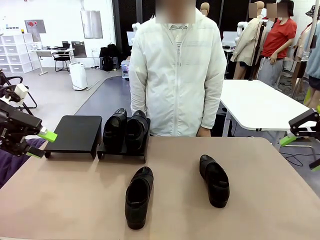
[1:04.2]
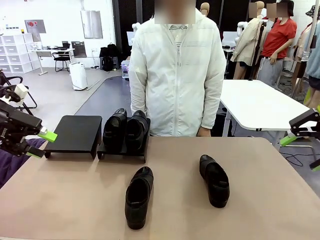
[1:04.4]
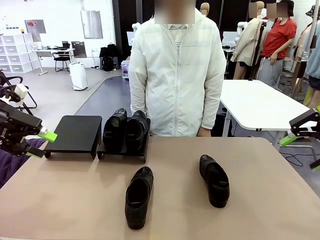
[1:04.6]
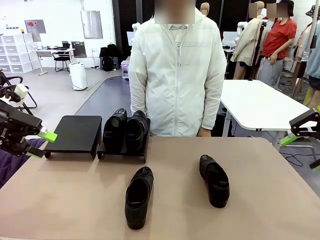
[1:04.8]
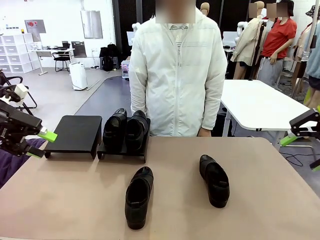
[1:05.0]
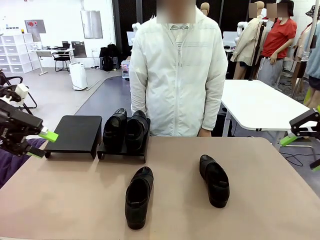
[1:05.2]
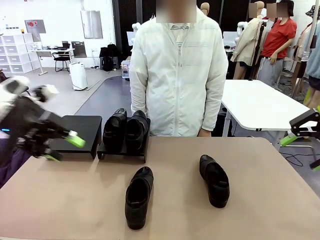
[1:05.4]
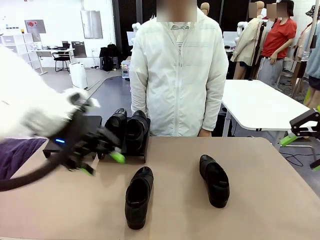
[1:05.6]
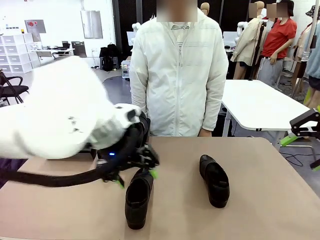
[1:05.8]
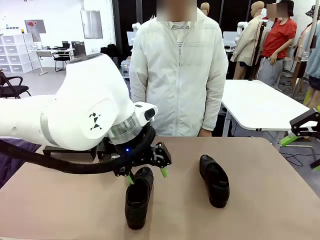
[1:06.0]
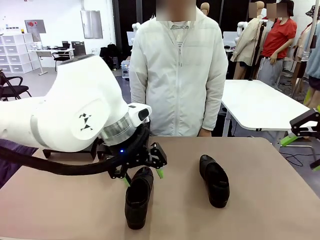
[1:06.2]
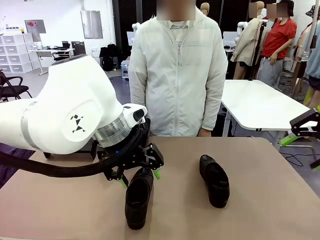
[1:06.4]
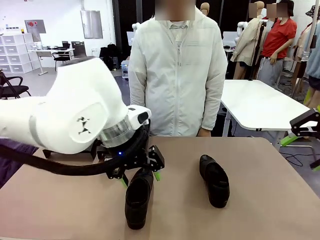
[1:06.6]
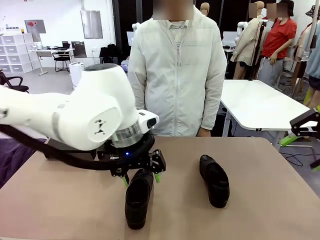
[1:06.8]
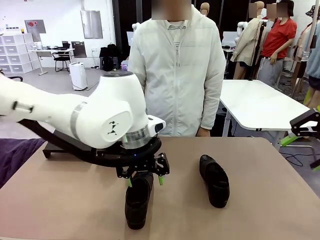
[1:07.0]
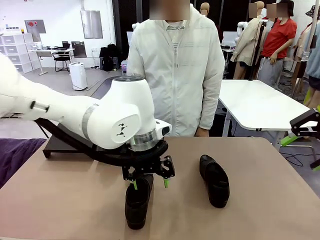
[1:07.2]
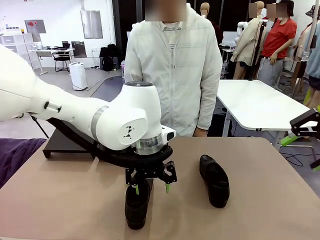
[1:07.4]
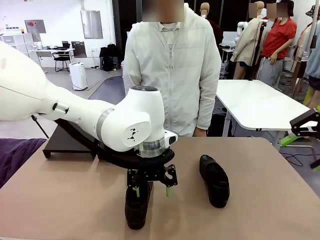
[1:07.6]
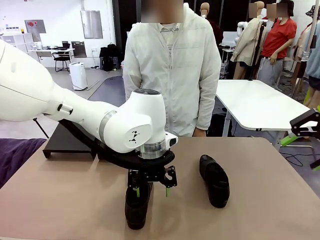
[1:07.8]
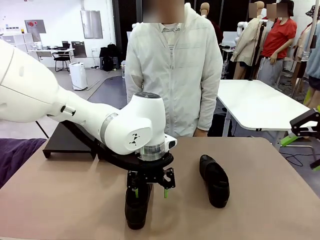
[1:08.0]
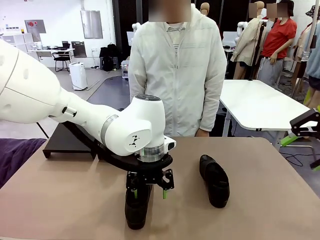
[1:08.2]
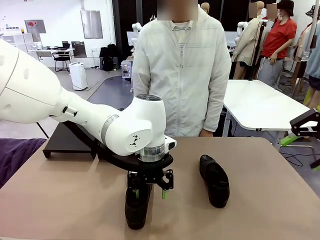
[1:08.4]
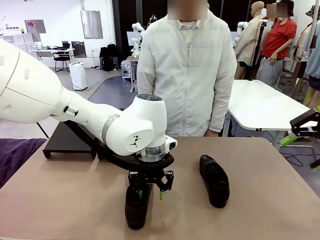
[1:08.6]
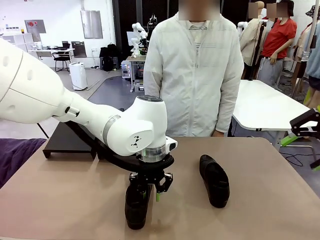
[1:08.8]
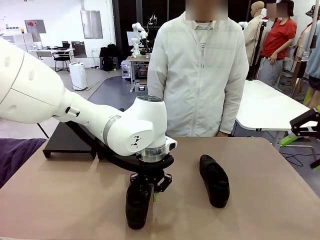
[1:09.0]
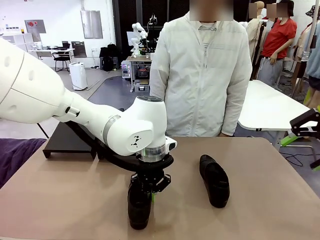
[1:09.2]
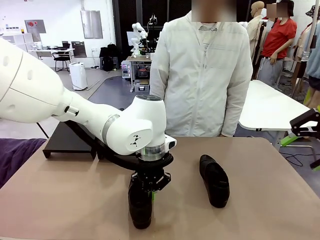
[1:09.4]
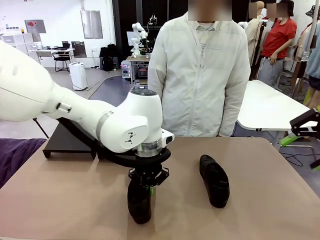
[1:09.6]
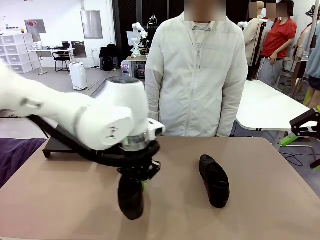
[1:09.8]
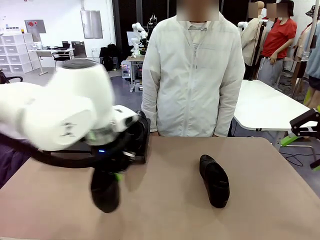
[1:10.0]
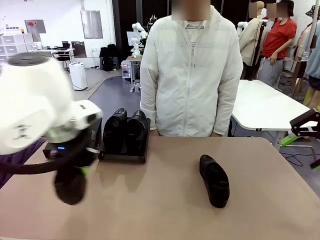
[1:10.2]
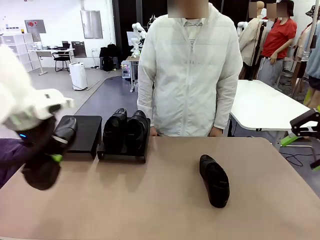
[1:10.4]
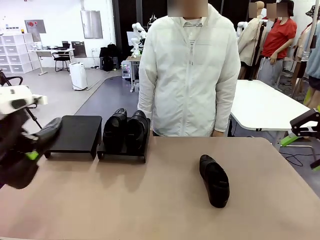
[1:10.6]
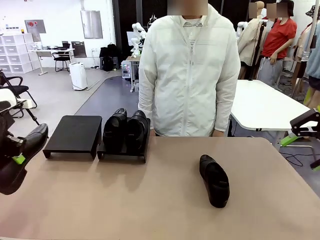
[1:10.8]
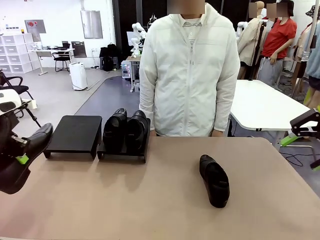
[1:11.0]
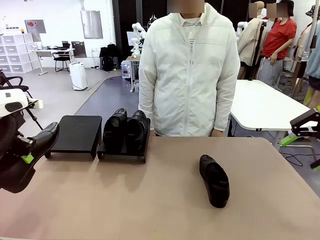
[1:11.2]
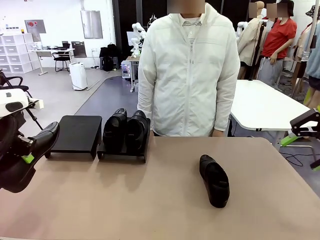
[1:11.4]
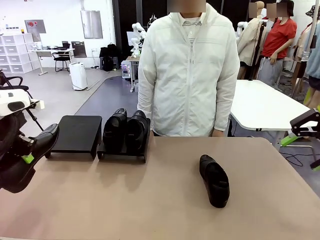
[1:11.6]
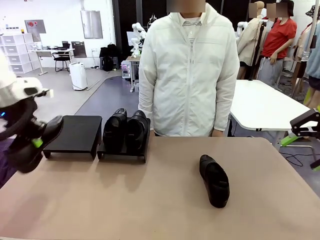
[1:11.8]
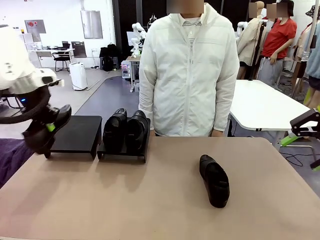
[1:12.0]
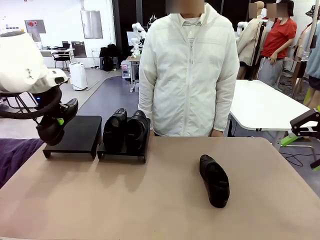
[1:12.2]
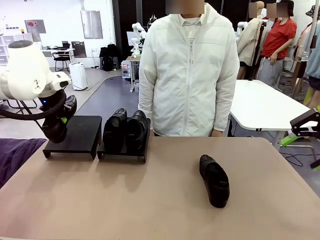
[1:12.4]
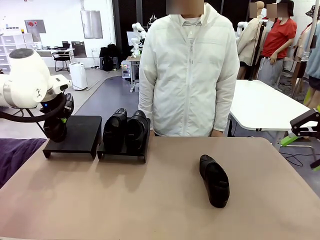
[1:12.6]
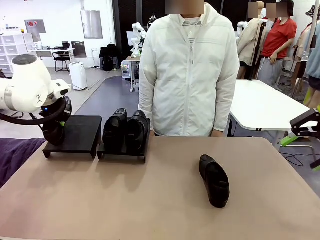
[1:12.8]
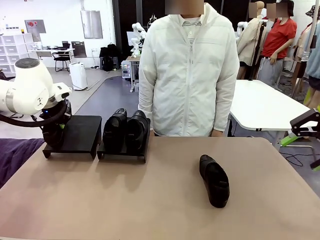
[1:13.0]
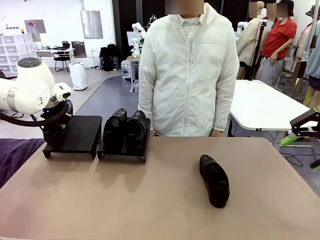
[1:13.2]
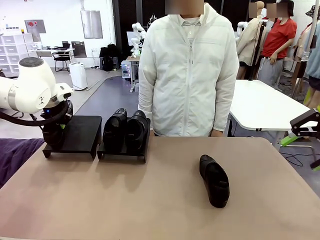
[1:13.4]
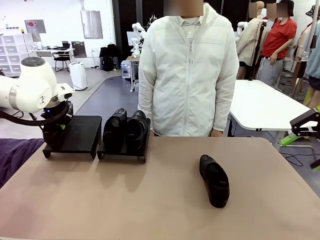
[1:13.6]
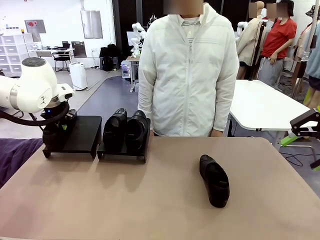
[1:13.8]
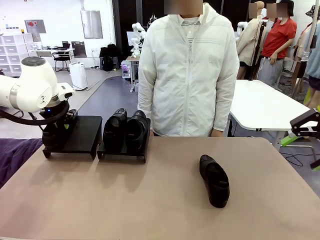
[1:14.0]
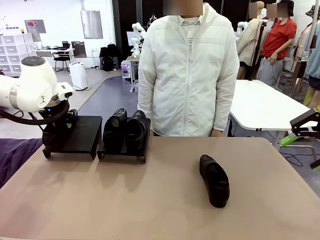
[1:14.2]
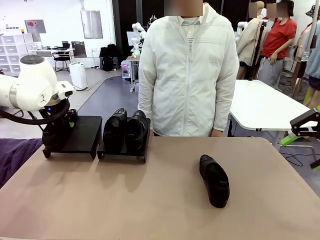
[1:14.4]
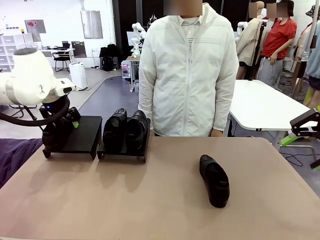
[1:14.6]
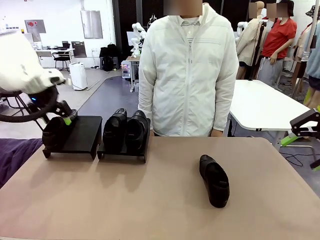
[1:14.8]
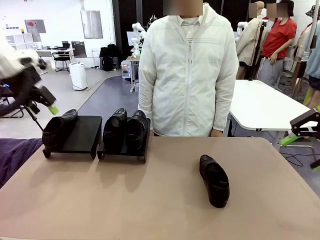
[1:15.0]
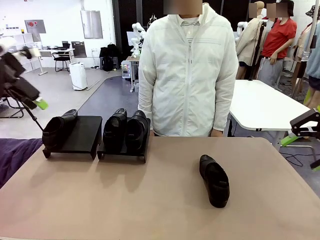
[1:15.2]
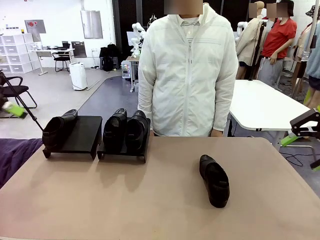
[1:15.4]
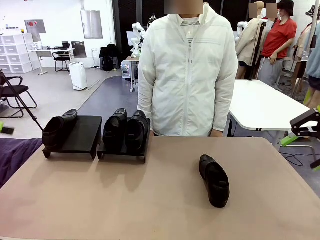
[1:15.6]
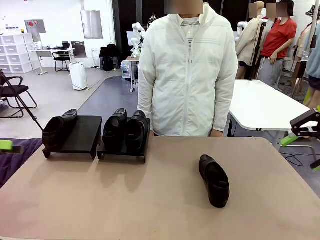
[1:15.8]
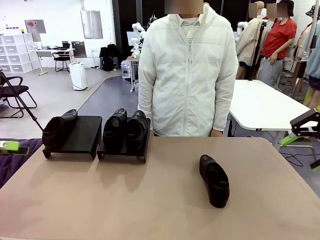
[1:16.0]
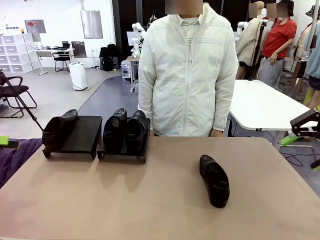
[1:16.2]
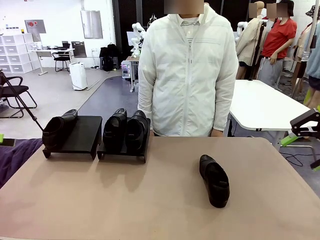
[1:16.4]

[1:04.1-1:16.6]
Task: Organize the shoes by placing them on the stand.
Robot: Place the Shoe from the middle of the table onto the Shoes Stand.

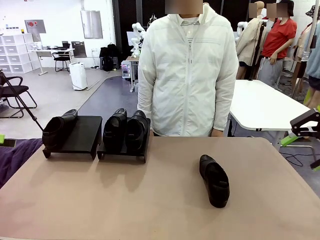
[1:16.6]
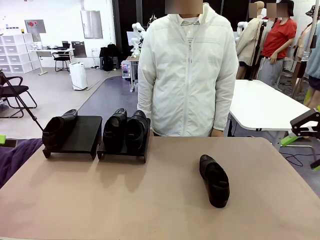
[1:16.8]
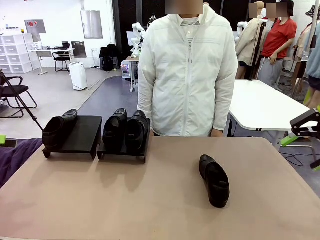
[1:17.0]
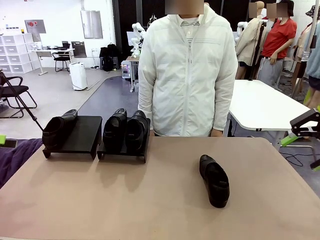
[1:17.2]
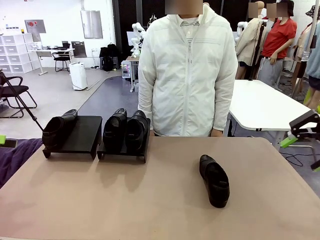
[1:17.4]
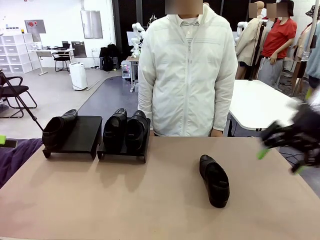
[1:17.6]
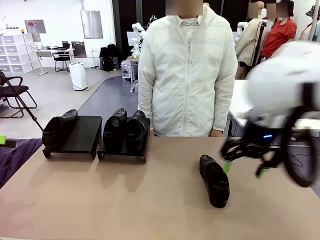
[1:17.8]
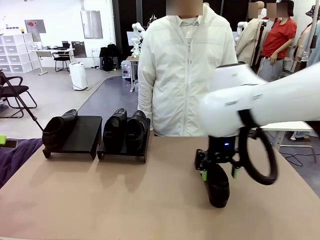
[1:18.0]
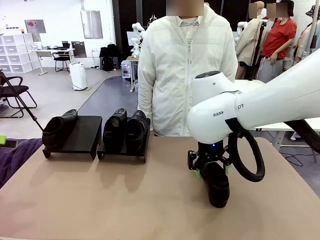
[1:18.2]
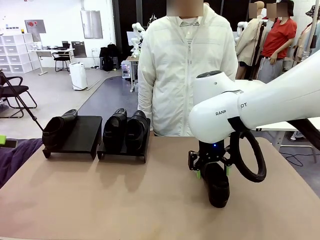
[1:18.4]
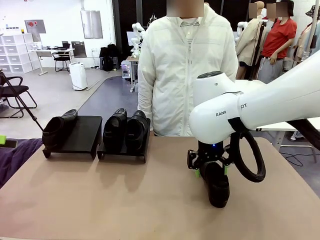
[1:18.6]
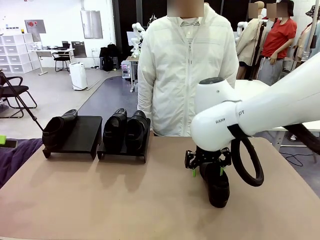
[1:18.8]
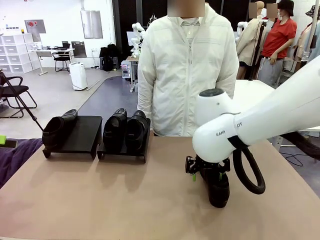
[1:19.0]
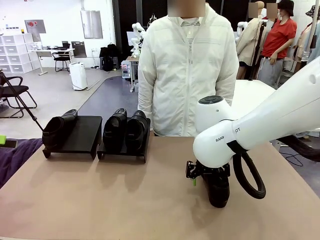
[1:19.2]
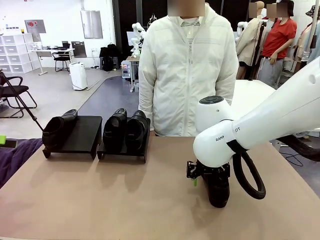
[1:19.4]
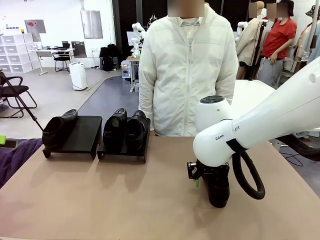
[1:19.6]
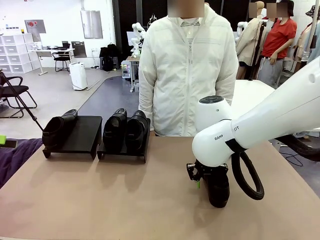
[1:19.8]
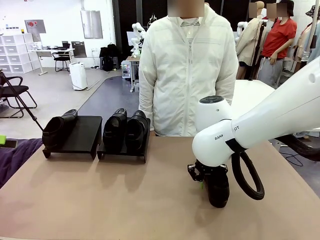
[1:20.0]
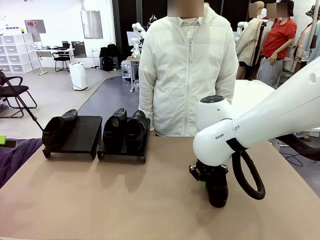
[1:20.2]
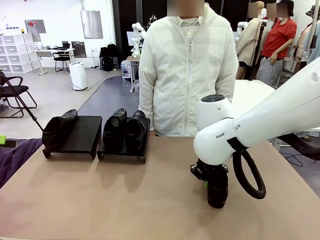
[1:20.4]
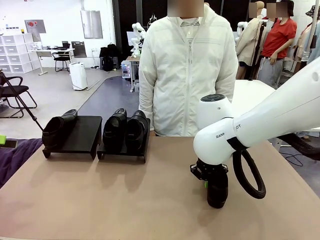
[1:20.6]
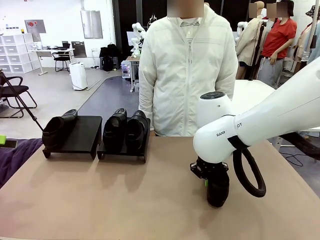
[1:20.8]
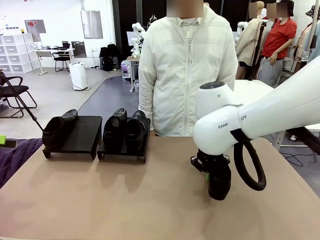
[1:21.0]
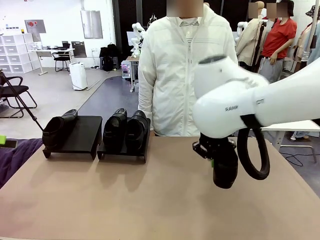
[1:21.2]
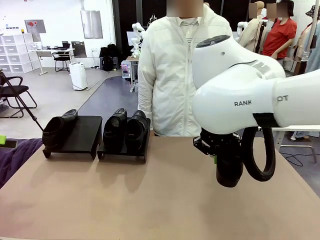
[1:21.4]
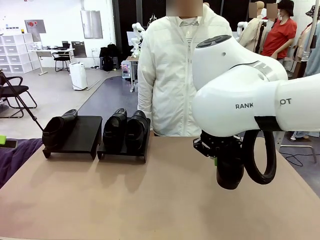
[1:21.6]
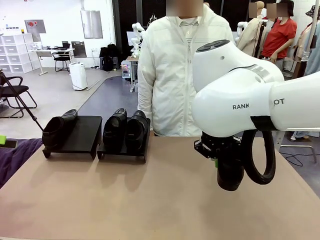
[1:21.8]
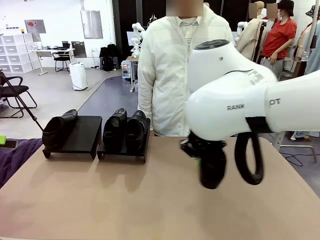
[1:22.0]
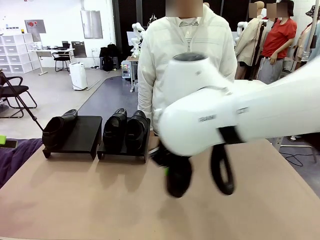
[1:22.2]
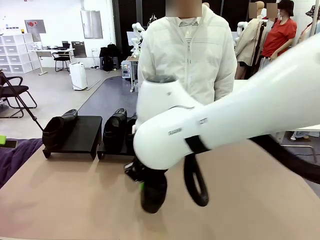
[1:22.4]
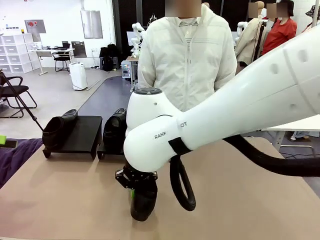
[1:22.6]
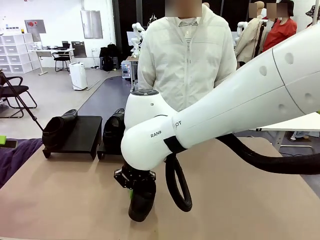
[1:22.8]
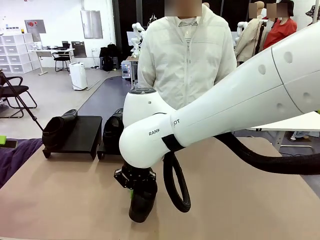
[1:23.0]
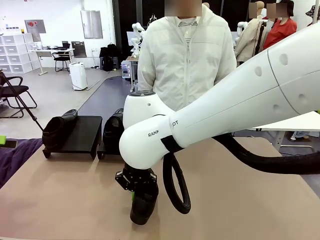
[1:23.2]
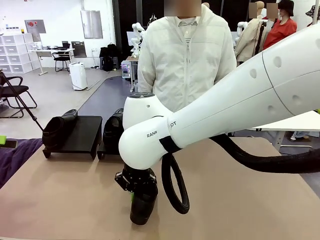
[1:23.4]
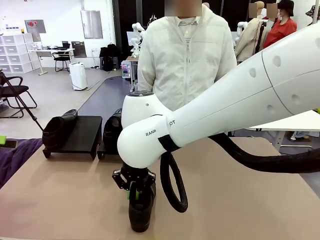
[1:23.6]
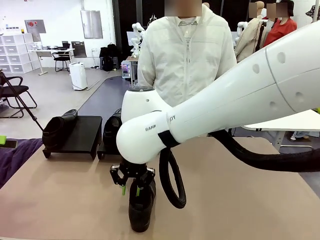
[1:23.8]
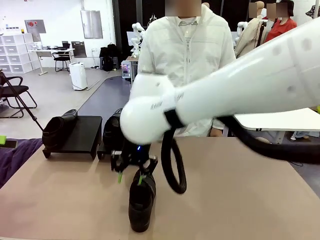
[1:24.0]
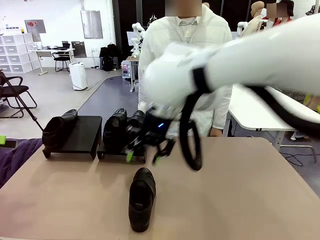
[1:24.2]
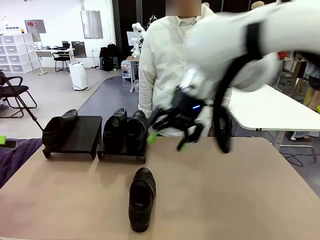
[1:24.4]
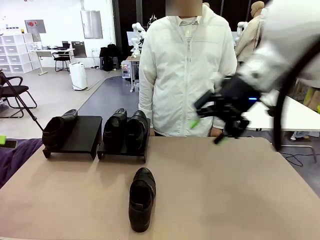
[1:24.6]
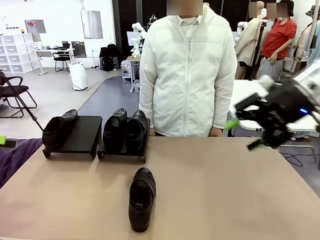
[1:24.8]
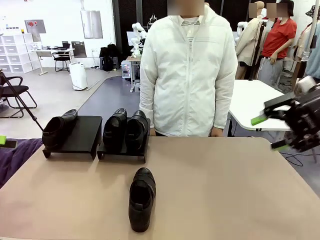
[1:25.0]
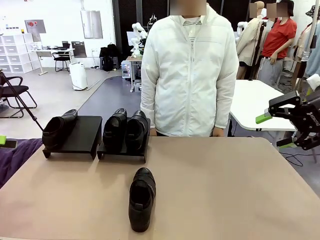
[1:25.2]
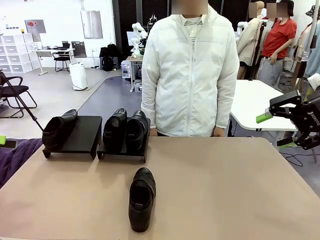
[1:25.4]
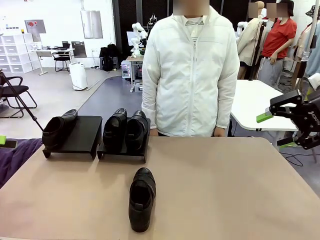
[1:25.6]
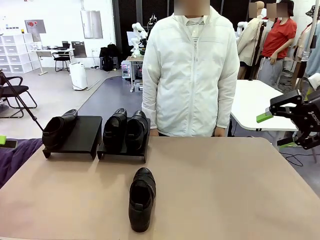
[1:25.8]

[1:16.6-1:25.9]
Robot: Pick up one Shoe and place it in the middle of the table.
